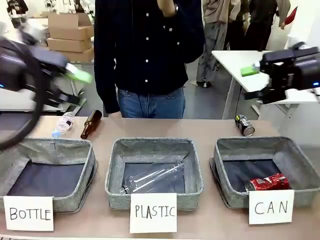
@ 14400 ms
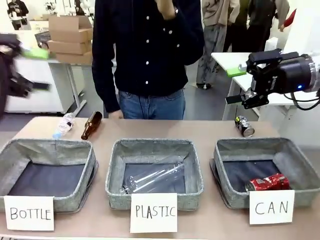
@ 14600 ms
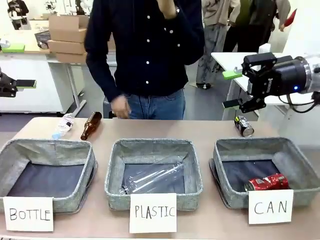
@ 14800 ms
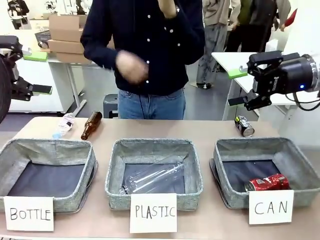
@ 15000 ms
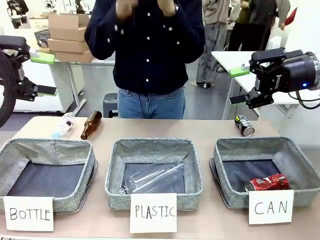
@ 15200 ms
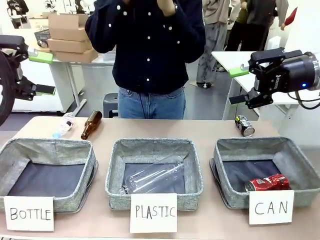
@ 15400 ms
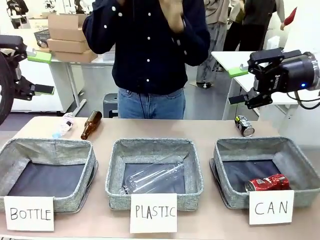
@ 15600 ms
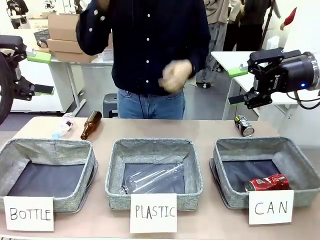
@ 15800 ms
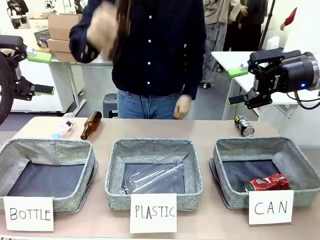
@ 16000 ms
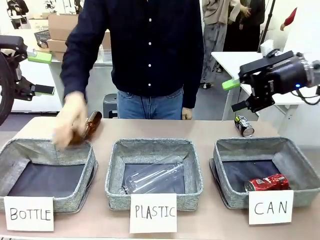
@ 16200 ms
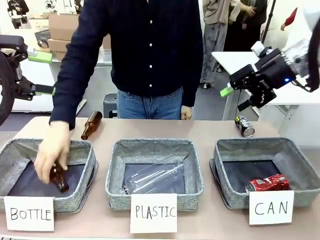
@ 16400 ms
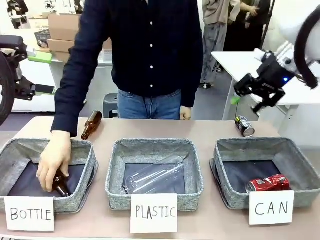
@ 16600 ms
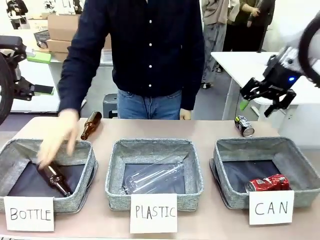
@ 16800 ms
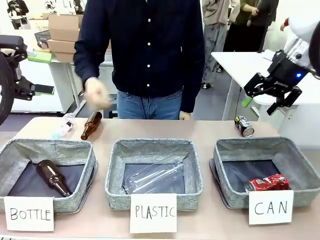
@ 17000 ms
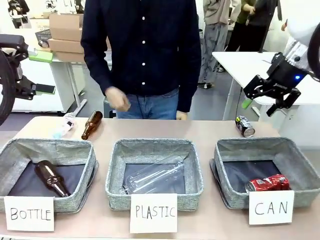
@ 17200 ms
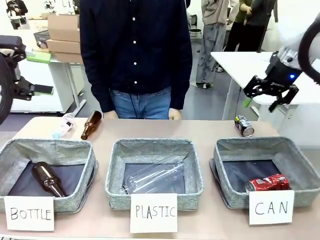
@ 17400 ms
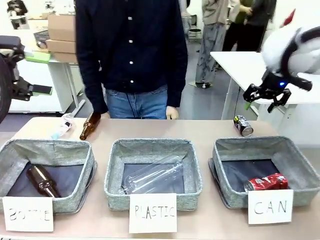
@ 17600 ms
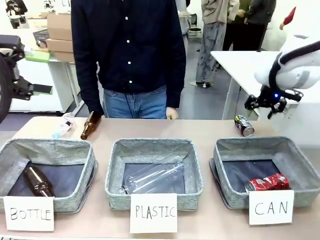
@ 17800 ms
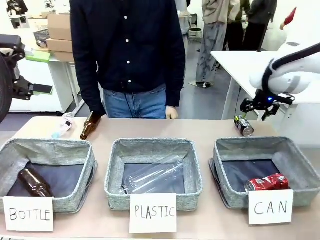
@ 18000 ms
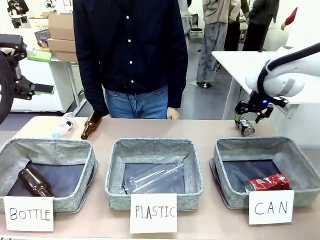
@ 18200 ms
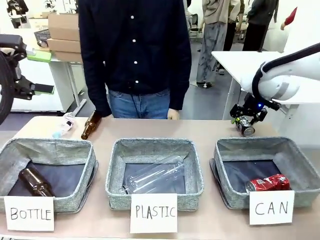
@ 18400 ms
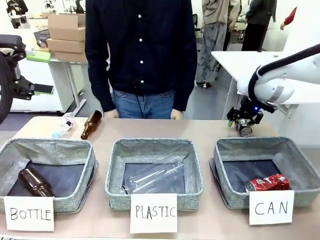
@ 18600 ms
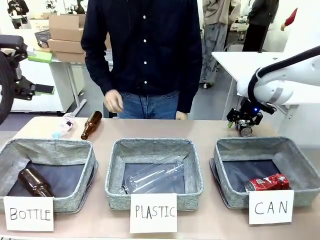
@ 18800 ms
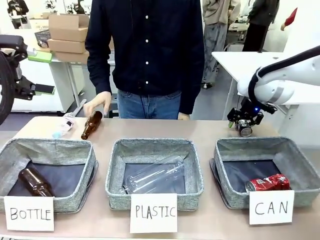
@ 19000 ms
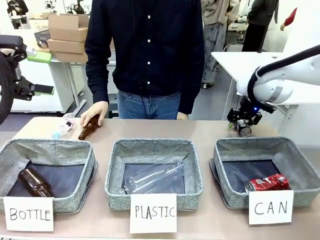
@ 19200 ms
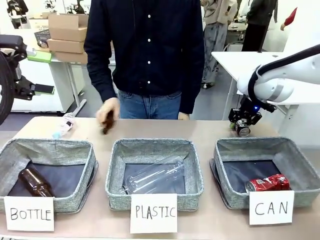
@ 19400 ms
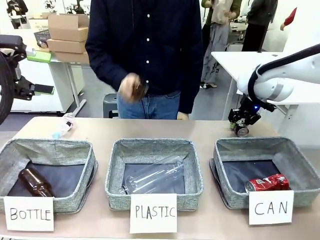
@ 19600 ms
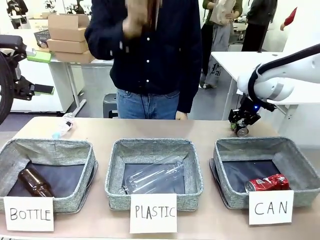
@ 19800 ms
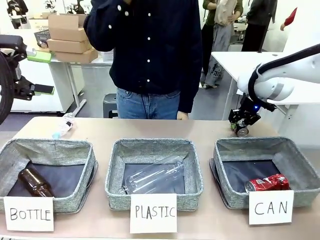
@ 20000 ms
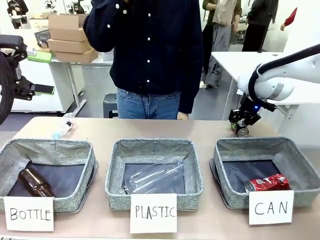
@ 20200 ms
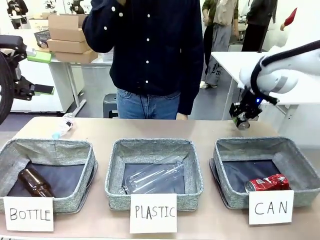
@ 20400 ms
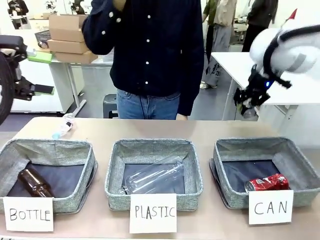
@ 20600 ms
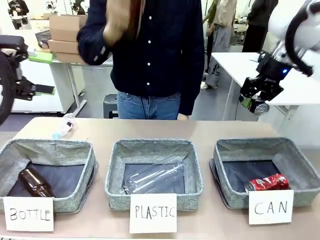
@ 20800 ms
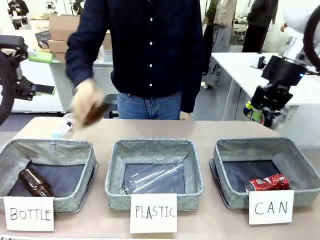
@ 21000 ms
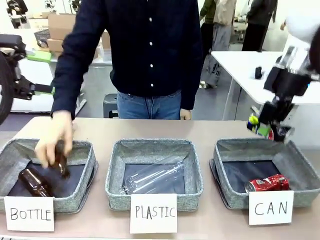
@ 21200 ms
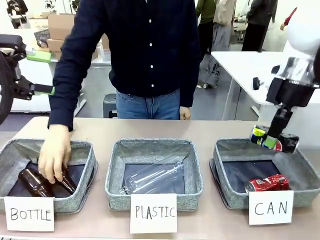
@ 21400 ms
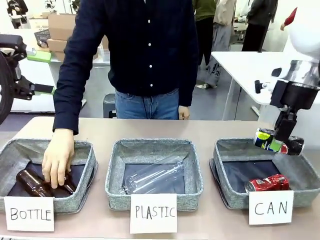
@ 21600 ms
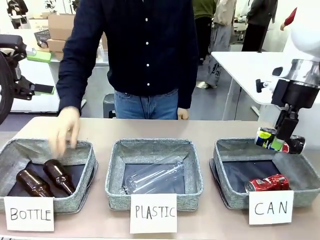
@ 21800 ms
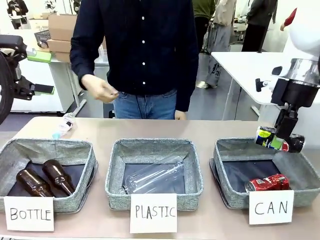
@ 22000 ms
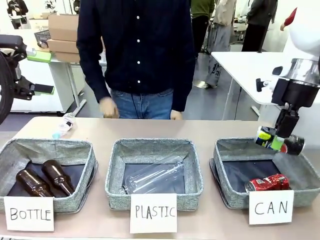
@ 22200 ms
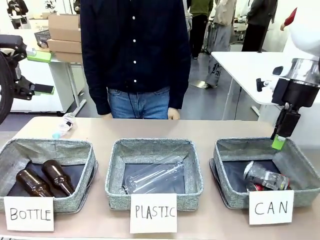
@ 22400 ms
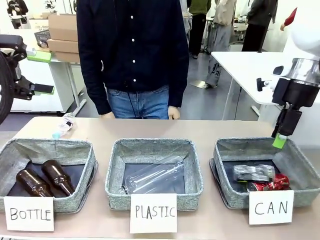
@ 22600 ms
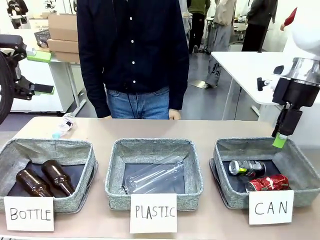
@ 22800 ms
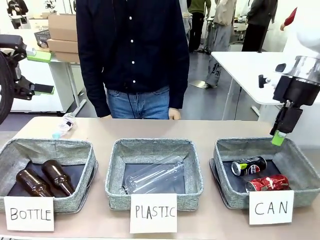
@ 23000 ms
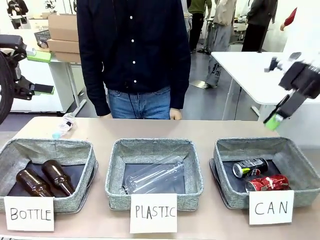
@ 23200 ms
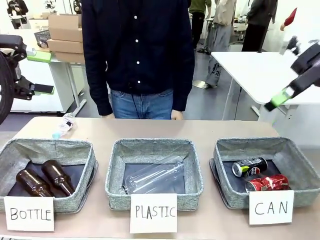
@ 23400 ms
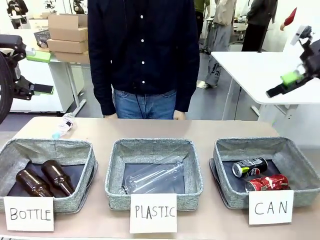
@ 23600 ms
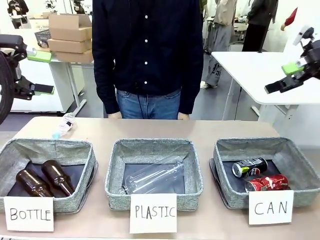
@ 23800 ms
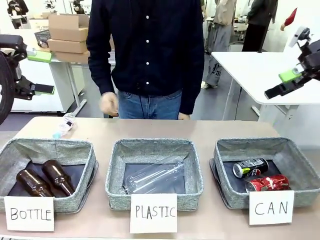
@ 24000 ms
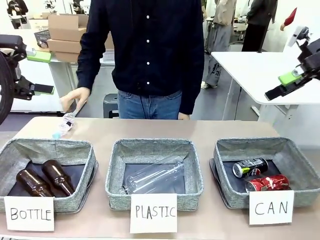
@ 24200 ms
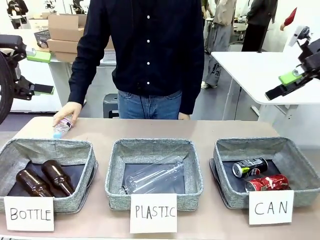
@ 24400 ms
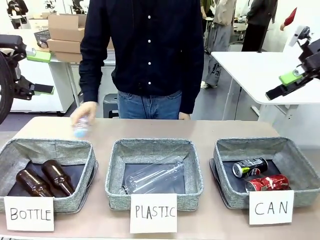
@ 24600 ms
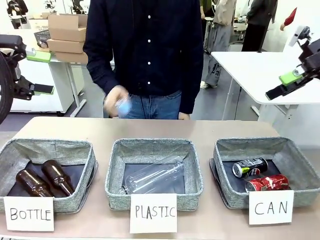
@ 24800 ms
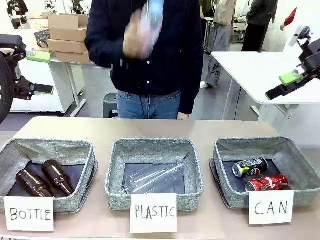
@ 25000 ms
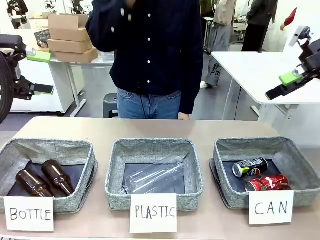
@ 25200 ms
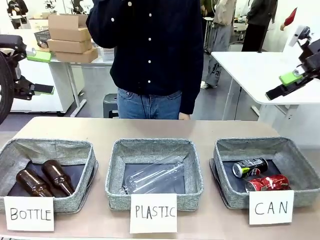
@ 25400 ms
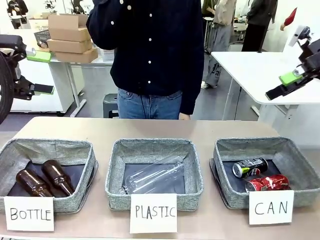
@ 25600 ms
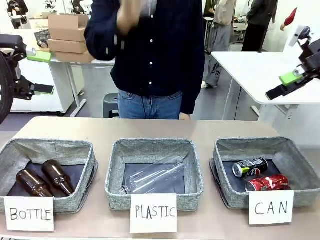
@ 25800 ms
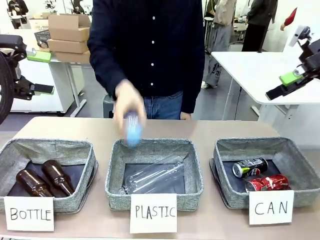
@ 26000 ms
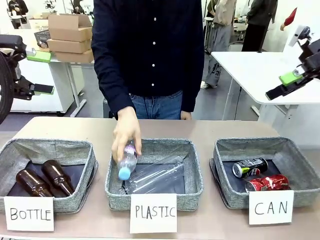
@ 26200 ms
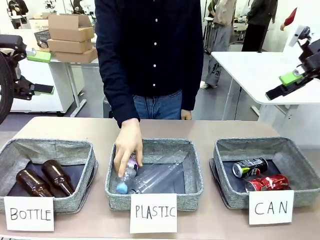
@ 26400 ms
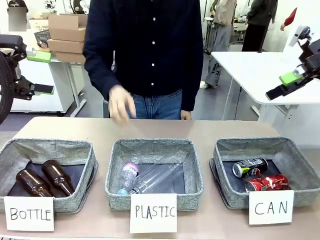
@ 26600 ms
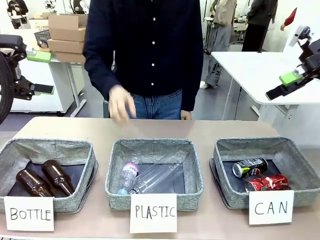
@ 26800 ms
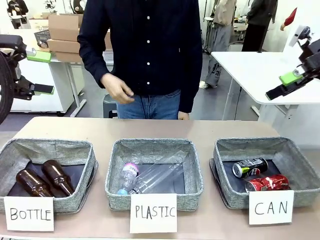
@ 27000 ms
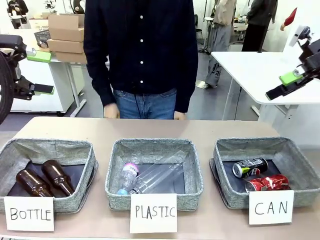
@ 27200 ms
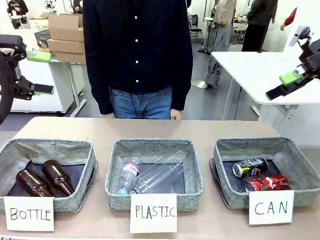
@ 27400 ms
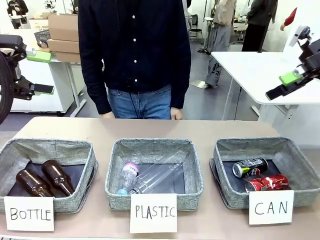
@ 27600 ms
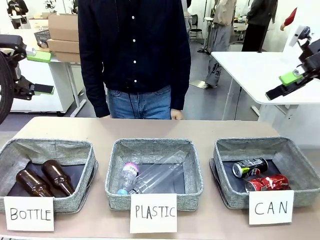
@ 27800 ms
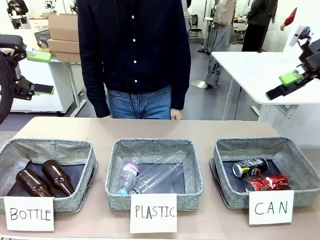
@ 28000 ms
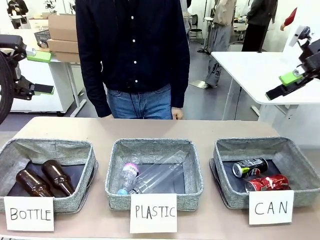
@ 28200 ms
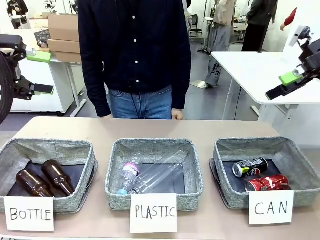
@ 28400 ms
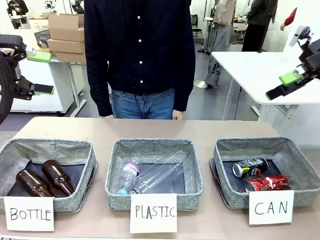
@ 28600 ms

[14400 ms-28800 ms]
Task: Sort the can waste into the basket.
Robot: Pick up the can waste from the table and place it in the right Fabric basket.
